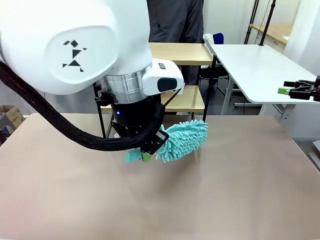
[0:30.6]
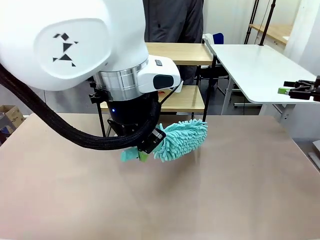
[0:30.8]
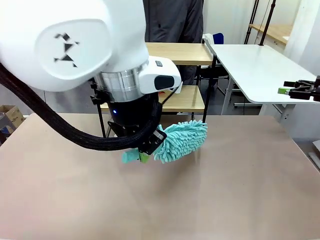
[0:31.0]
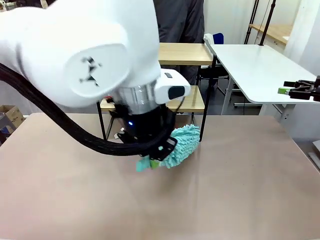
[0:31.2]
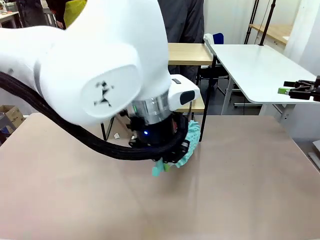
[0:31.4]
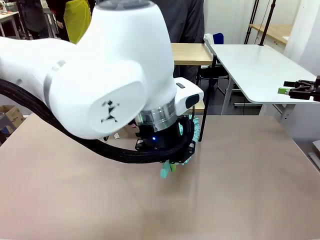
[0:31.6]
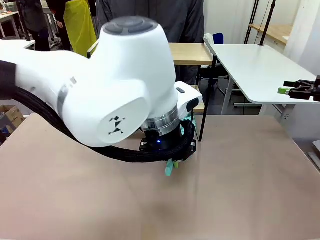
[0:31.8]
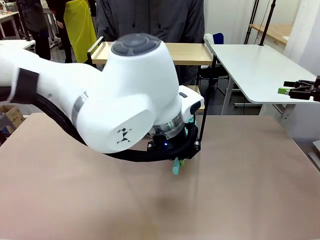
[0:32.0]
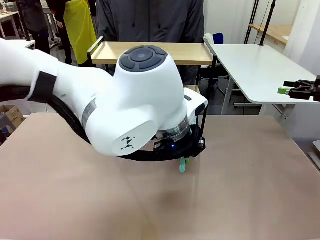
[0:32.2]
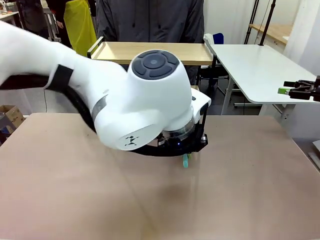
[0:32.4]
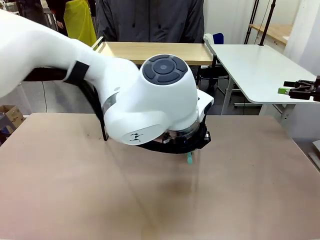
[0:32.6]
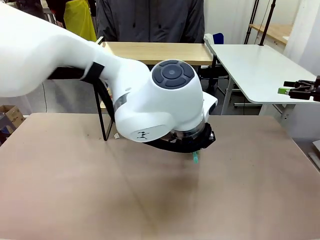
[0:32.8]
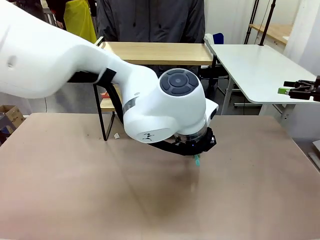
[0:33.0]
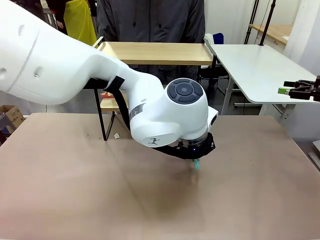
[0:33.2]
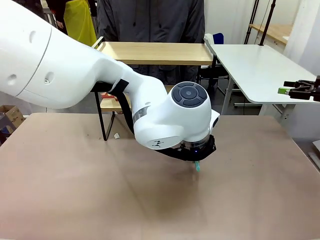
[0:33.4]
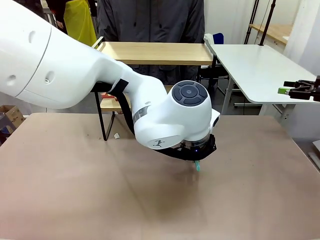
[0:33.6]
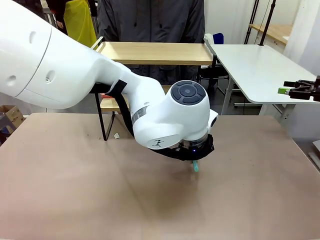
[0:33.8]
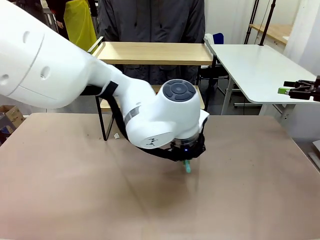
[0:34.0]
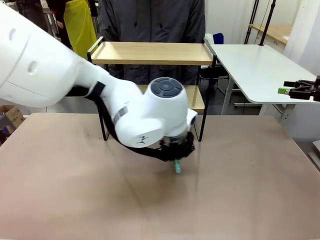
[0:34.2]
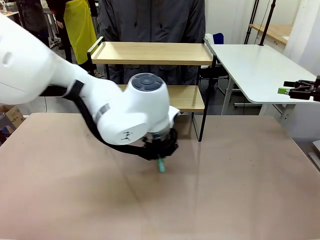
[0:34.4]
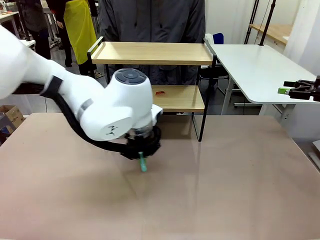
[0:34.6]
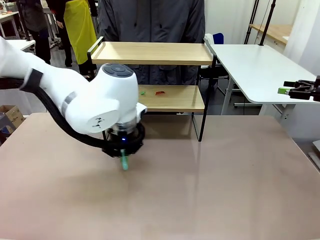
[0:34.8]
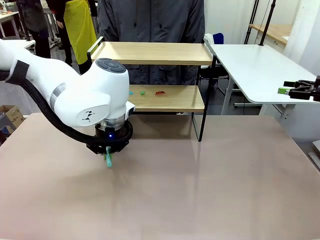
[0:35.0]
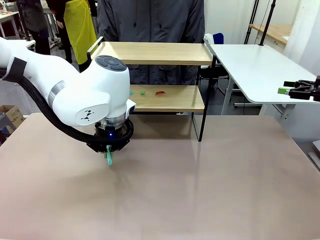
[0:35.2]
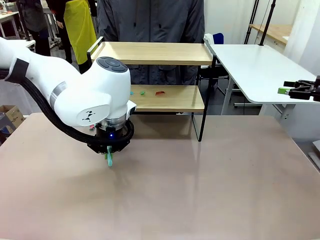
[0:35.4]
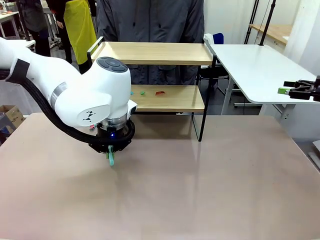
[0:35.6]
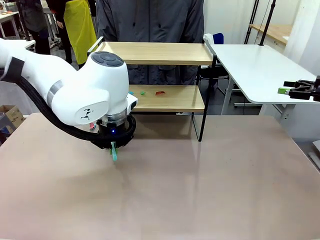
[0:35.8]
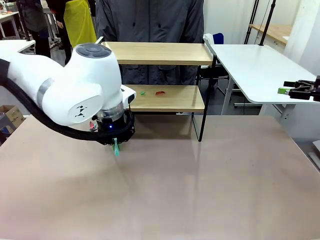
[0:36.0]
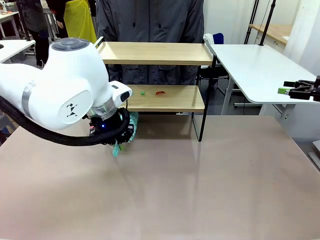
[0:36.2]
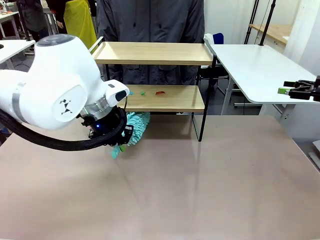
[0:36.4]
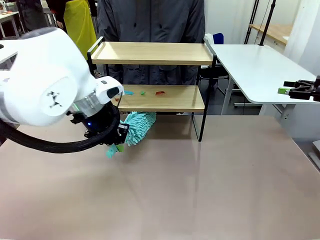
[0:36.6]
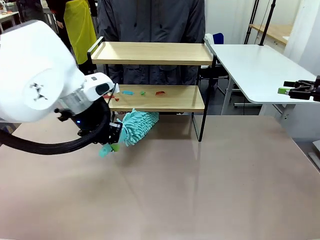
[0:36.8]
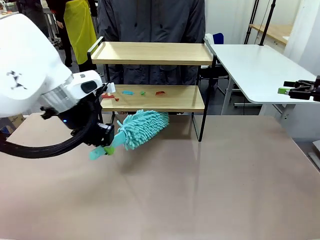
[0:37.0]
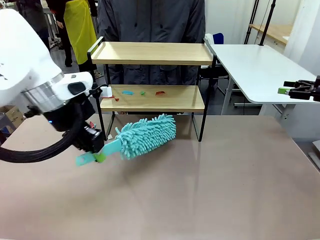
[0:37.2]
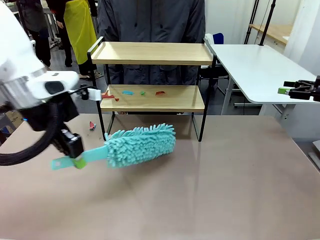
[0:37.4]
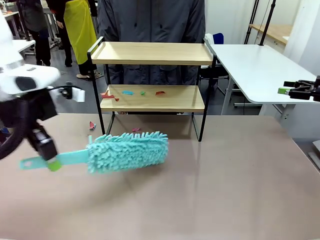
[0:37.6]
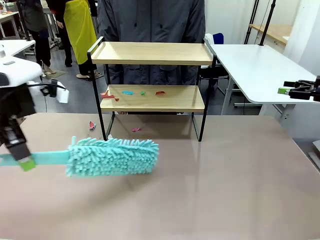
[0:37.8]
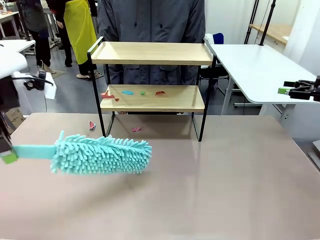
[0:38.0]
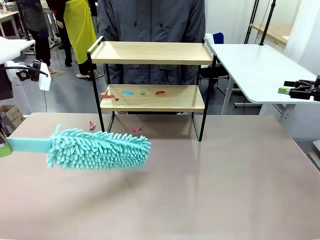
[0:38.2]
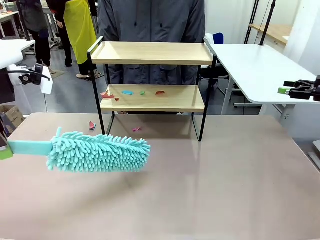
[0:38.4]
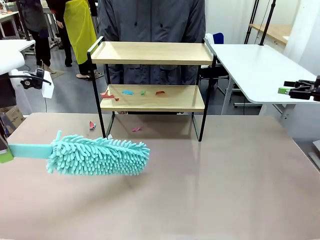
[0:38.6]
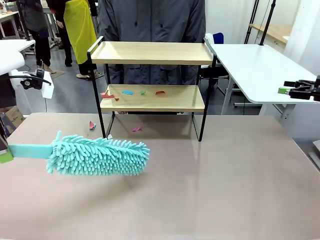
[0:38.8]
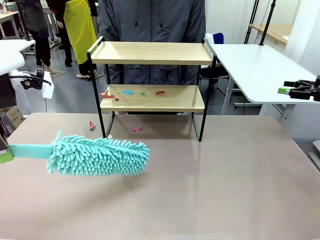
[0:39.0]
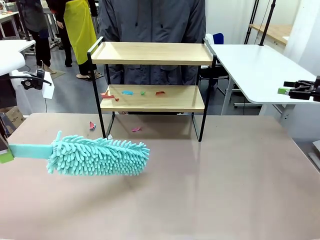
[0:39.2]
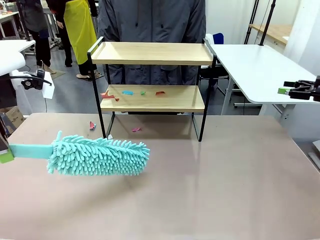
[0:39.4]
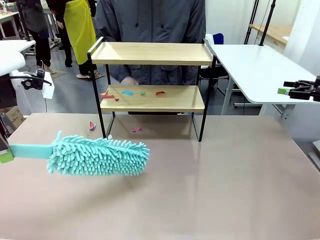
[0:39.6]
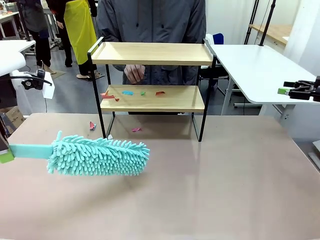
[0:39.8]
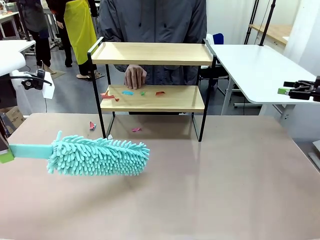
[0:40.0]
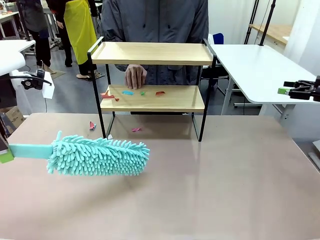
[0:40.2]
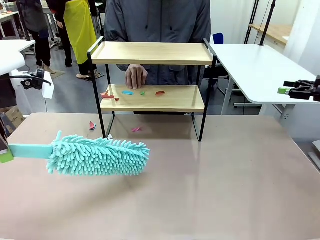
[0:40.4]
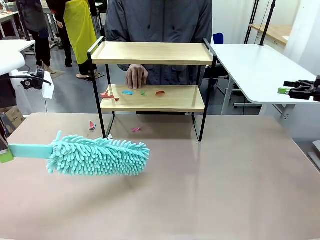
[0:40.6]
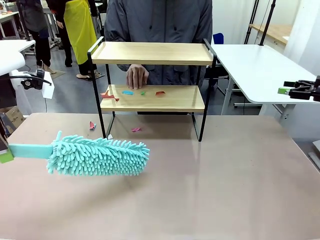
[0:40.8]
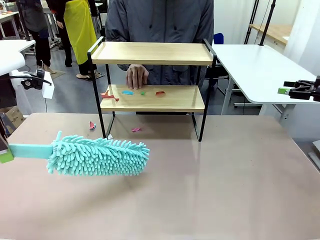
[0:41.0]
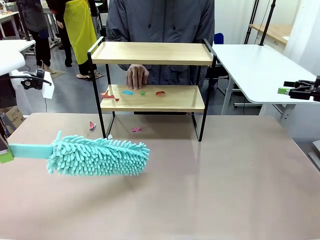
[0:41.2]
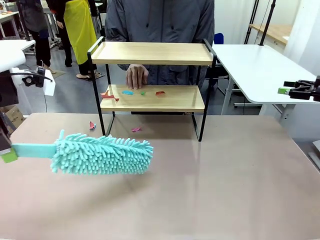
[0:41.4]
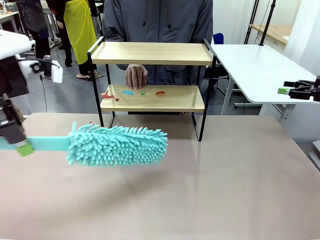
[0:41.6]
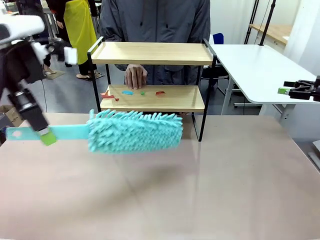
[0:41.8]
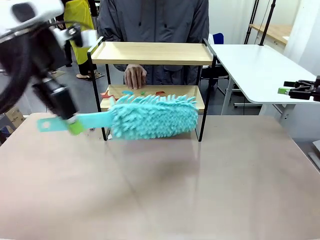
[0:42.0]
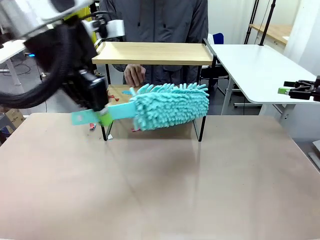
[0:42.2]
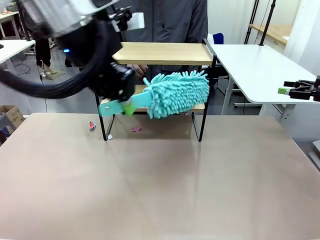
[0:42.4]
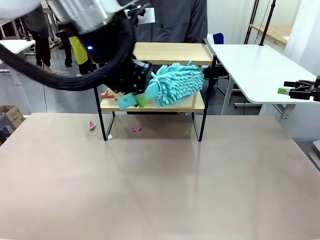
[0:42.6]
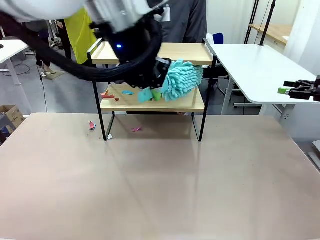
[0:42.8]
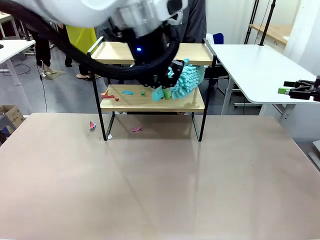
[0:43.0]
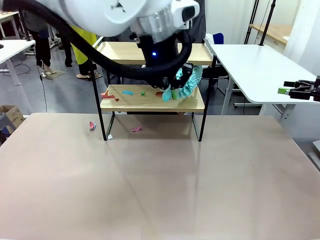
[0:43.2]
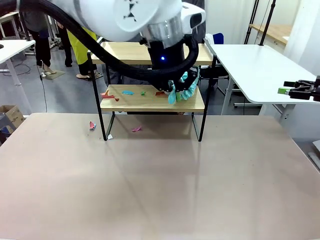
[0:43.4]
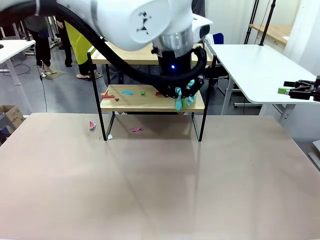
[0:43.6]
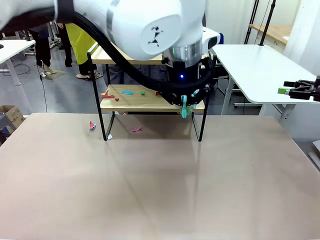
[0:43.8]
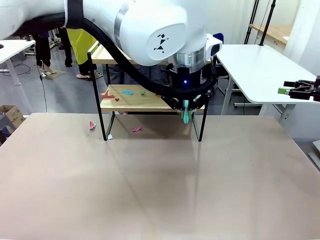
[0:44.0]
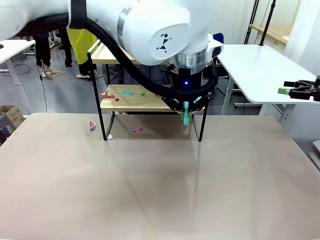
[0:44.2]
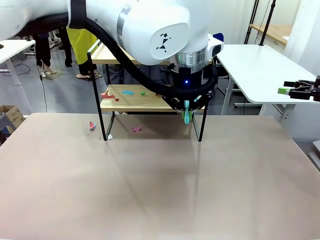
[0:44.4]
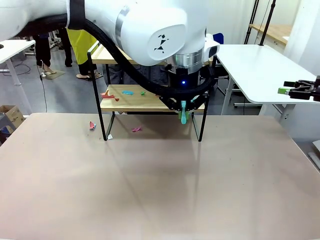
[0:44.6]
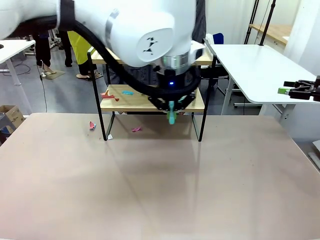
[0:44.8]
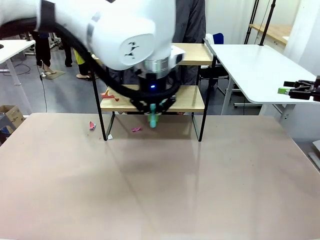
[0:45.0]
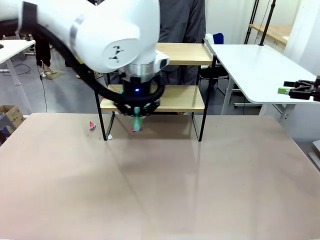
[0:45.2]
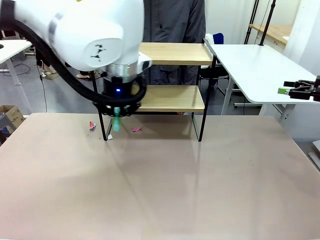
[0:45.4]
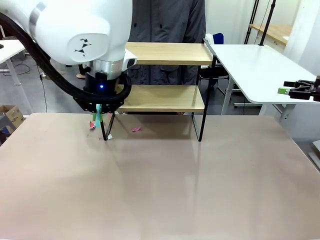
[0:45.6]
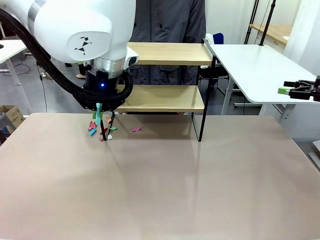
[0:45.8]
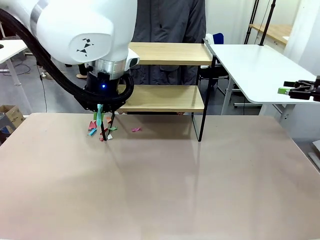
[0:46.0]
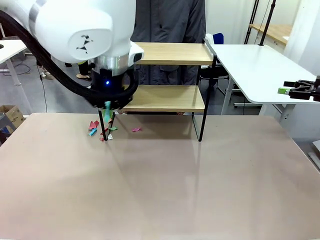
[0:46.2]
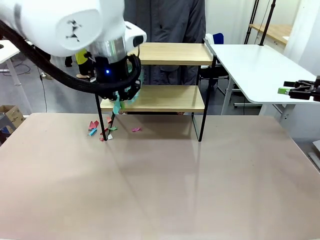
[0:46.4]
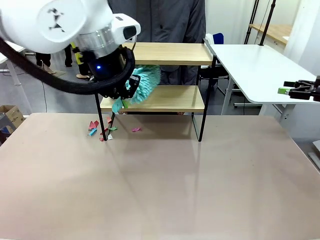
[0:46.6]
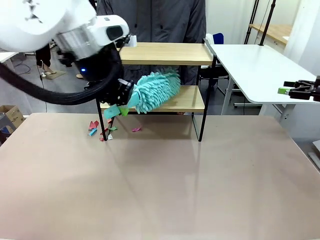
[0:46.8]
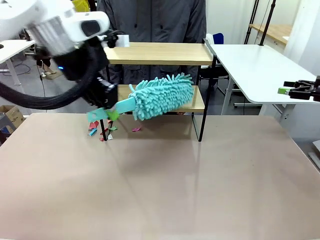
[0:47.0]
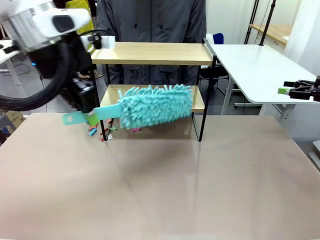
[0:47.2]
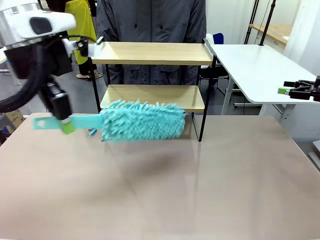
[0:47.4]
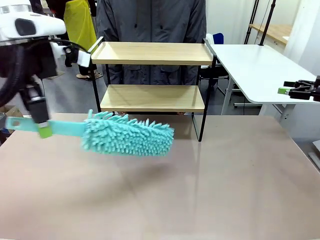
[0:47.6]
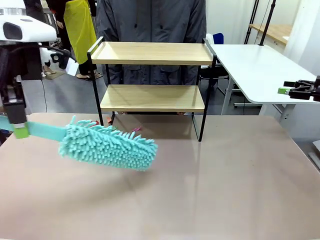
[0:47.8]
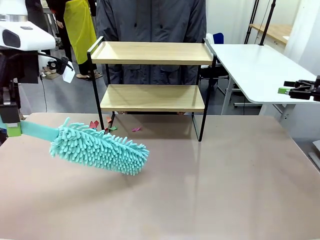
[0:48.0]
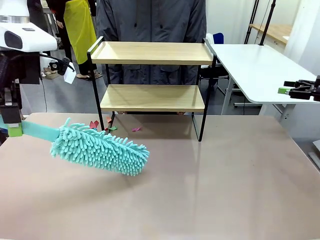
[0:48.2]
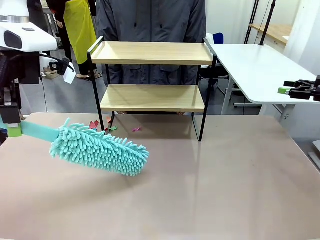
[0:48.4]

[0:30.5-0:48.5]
Task: Clean the shelf.
Robot: Clean the specific section of the Shelf indicated by the human with the Duster.
Person: Point a remaining section of the Shelf.
